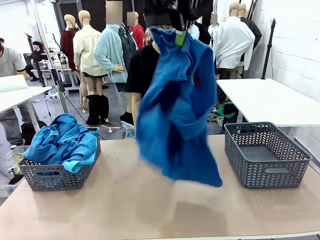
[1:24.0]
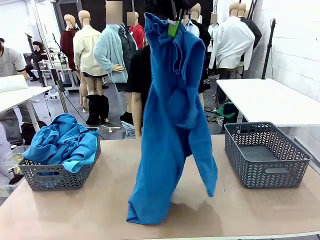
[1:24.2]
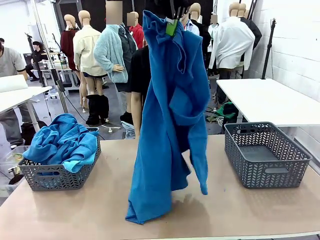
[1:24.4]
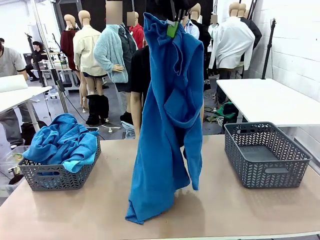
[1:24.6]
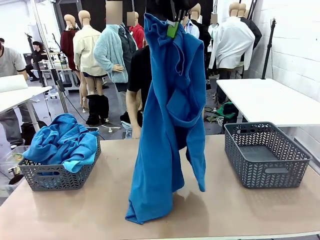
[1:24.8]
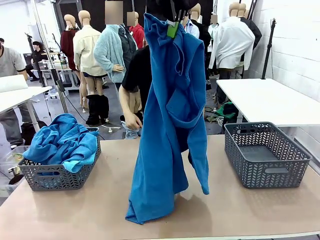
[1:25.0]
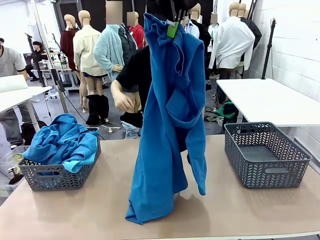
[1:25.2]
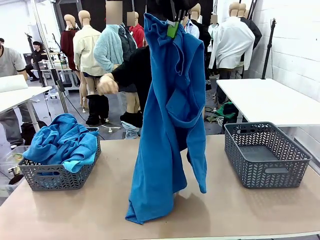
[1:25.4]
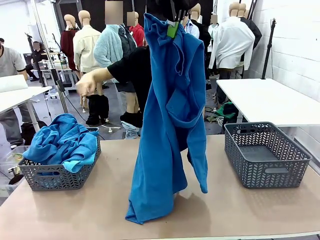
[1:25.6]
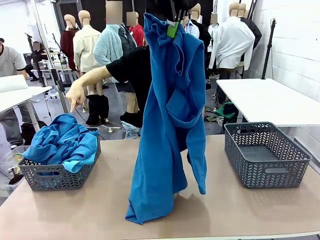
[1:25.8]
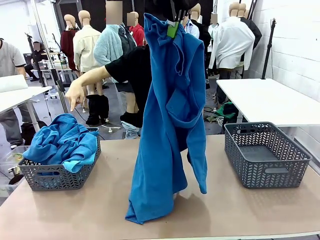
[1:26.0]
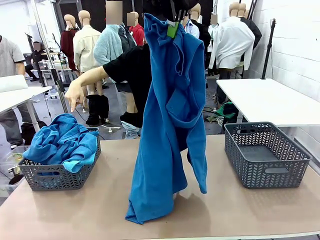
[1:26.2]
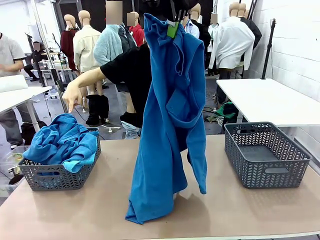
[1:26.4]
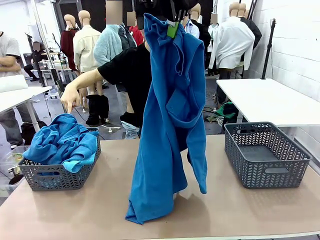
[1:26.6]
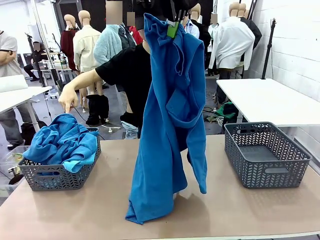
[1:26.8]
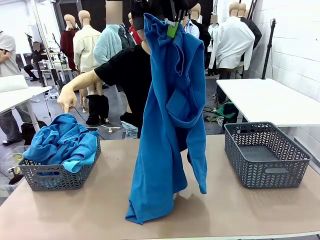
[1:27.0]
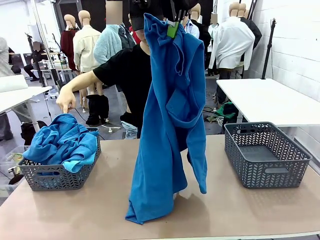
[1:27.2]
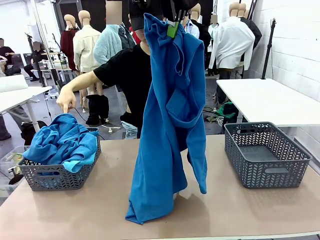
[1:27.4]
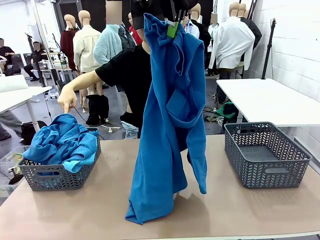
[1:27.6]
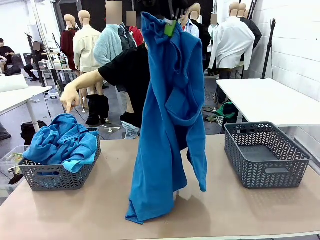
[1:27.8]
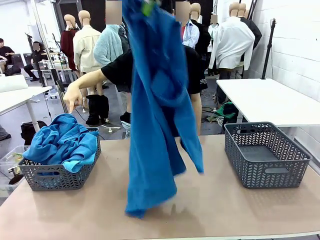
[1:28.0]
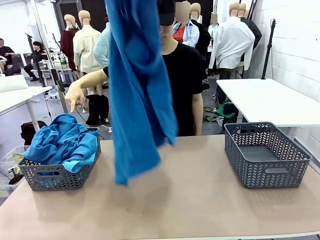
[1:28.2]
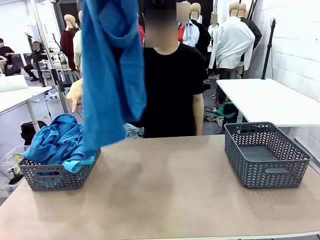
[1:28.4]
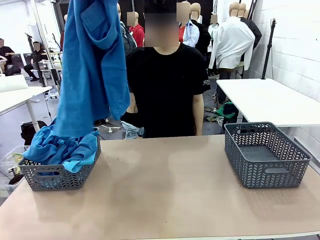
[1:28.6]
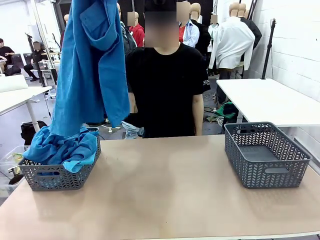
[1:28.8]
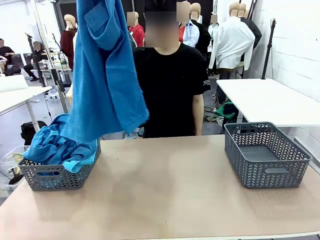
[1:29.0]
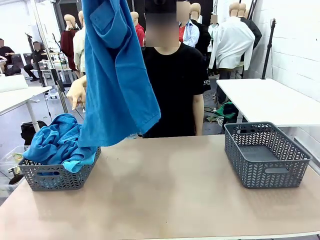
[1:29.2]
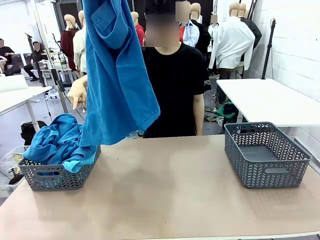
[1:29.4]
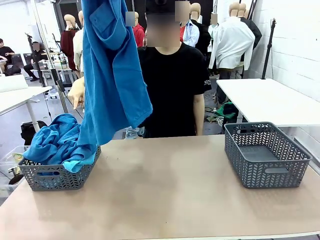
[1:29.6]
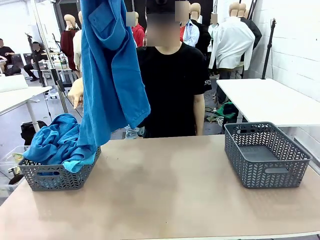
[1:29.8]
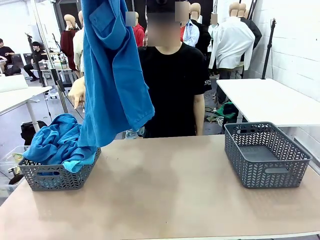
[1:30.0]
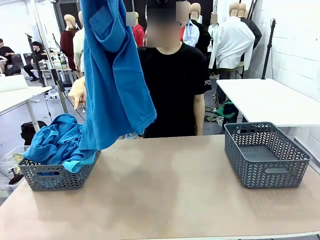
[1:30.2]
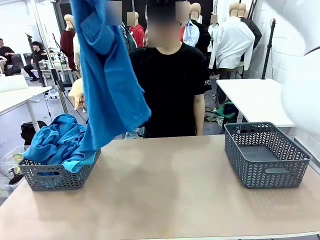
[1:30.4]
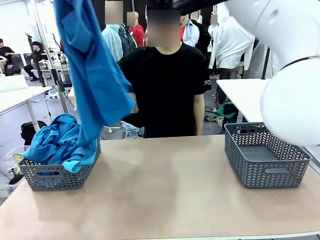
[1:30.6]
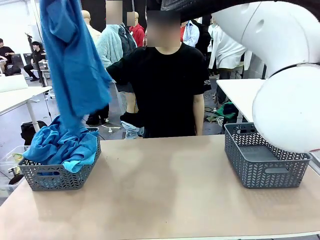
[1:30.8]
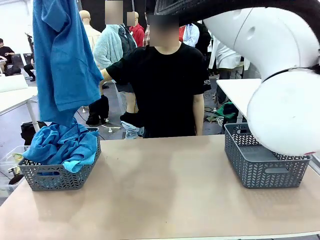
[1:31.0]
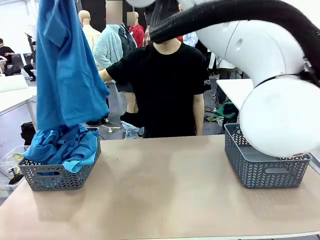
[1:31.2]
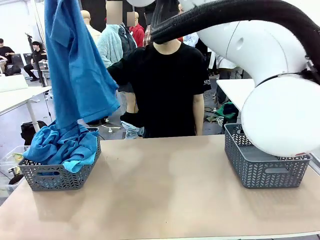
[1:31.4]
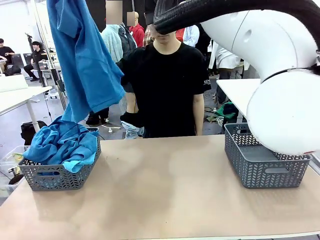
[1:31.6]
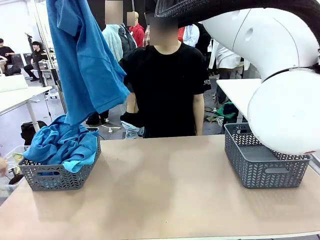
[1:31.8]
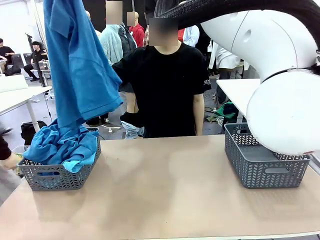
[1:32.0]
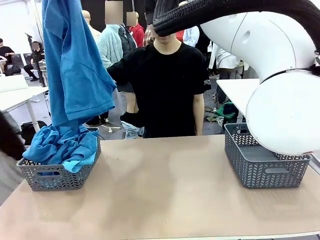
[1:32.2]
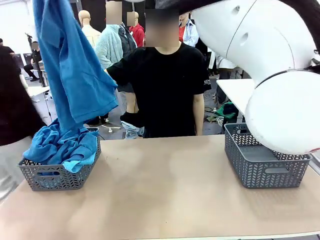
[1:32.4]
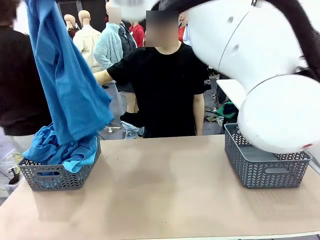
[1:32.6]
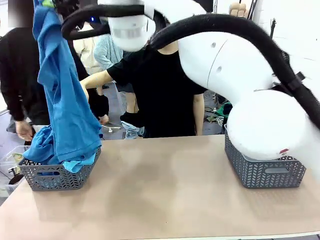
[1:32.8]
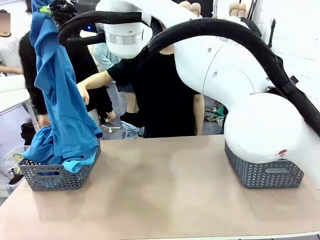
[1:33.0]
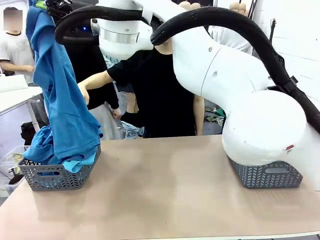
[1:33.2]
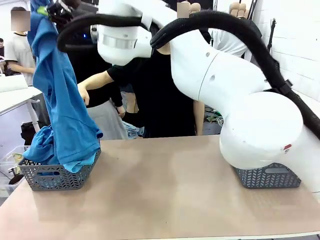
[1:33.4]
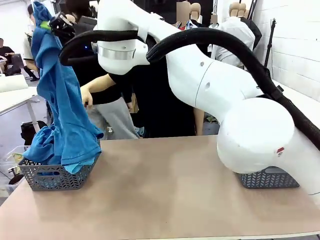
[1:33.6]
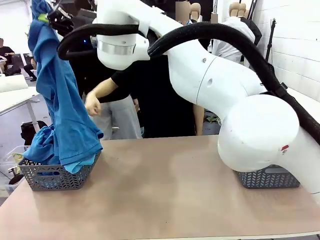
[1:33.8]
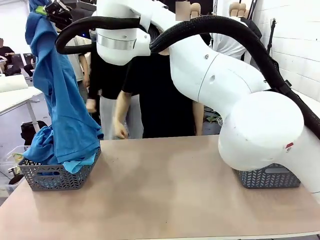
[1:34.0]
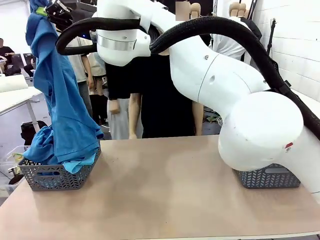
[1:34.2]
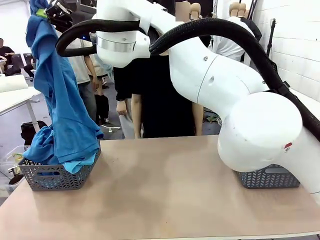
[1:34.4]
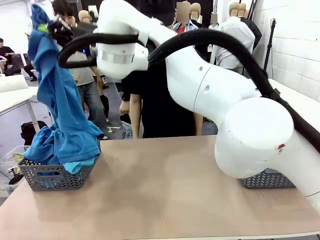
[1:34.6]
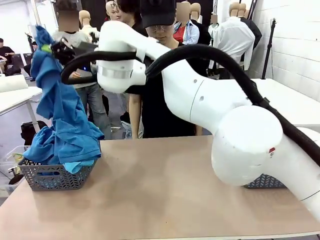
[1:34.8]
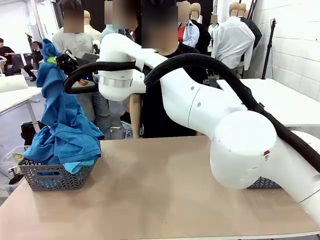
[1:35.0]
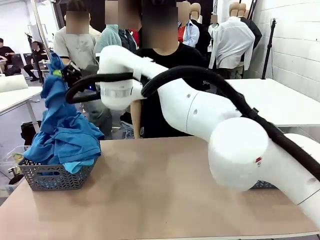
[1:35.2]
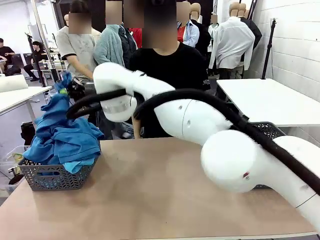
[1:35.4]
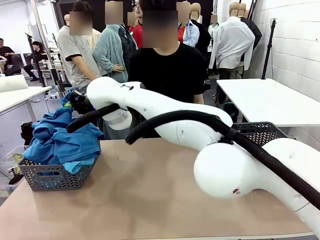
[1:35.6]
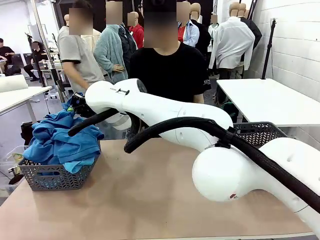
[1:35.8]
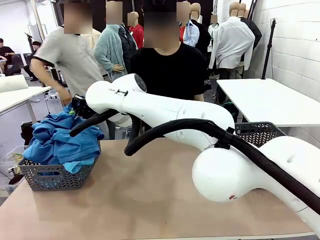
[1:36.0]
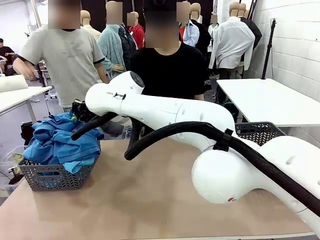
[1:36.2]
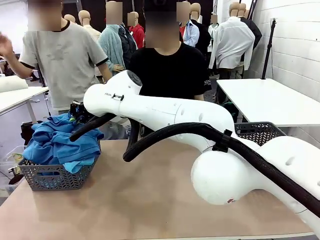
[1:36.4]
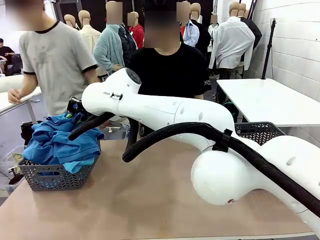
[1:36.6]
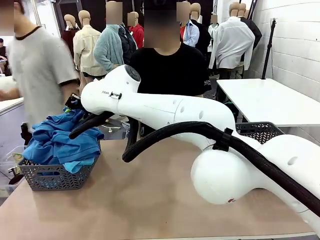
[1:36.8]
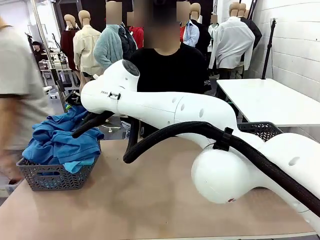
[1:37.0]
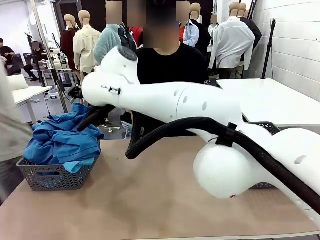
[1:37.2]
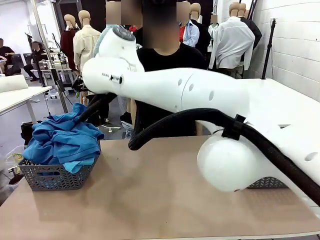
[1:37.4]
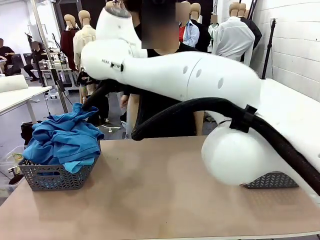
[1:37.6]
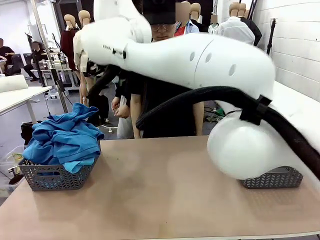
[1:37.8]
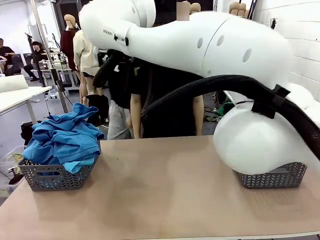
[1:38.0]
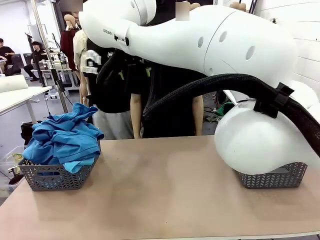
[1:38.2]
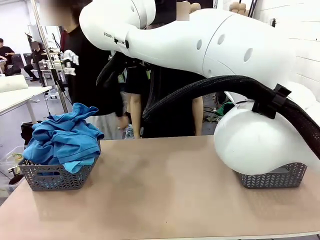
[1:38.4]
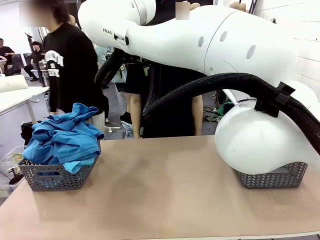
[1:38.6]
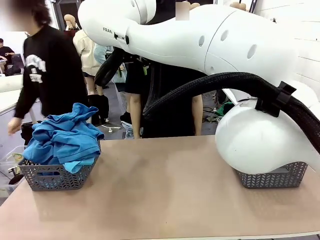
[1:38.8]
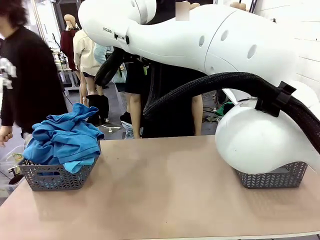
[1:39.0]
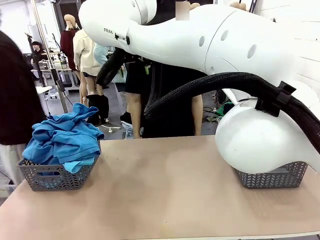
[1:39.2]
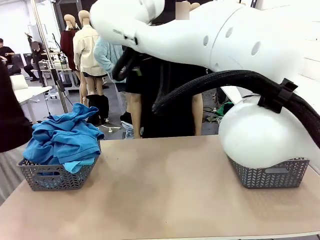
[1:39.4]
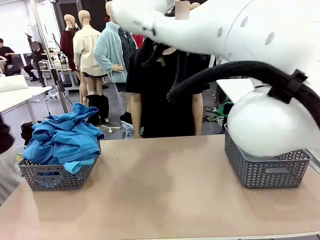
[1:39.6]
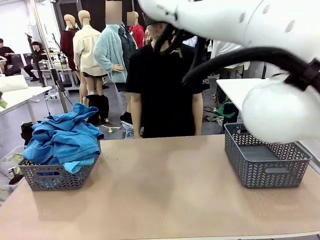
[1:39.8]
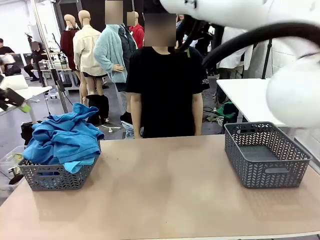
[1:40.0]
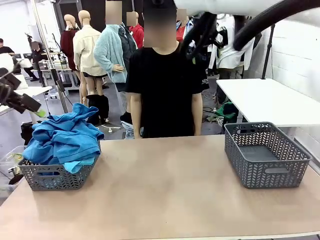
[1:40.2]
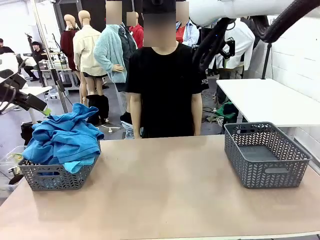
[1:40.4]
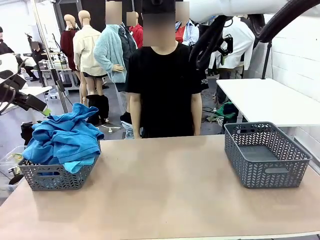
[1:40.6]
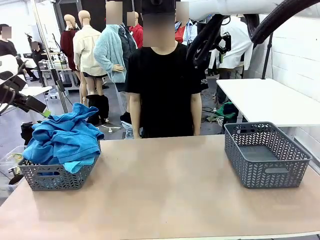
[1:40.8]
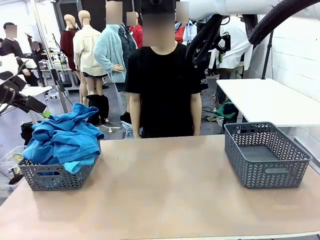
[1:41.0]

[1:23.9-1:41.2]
Task: Sort the tops and bottoms.
Robot: Sort the clothes according to human instructions.

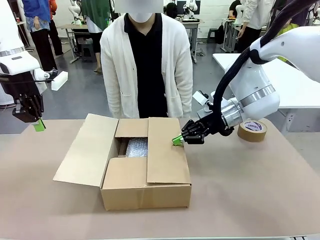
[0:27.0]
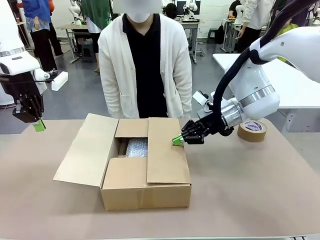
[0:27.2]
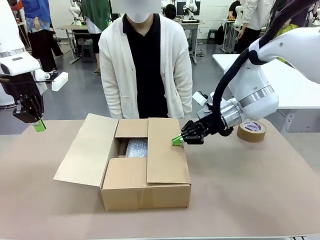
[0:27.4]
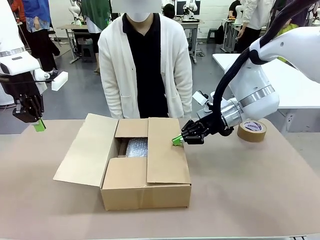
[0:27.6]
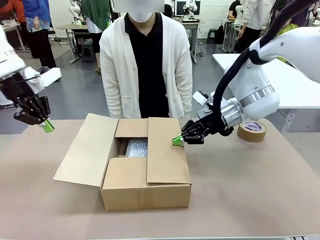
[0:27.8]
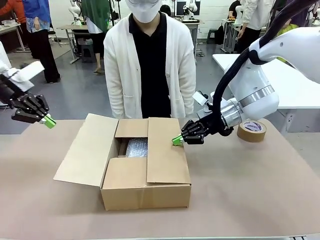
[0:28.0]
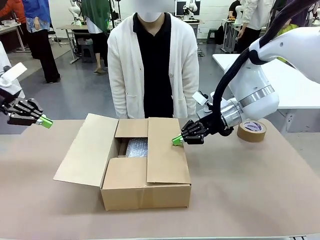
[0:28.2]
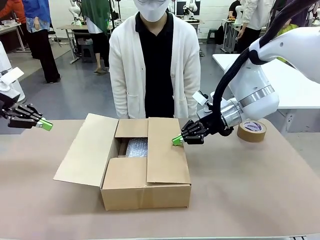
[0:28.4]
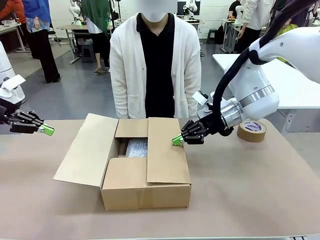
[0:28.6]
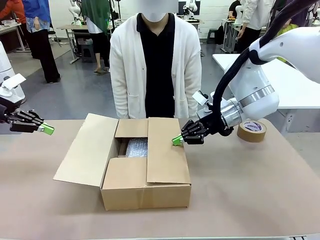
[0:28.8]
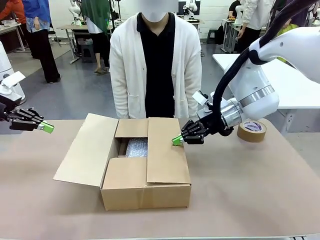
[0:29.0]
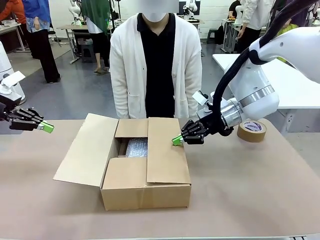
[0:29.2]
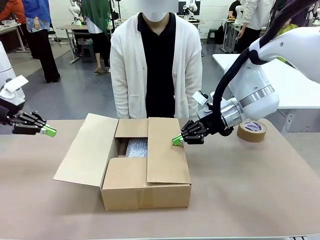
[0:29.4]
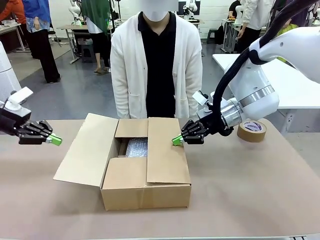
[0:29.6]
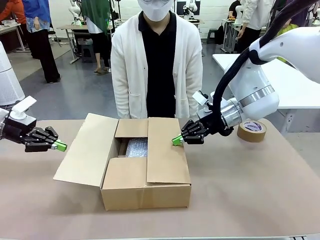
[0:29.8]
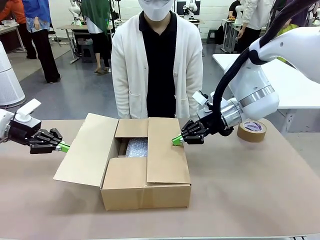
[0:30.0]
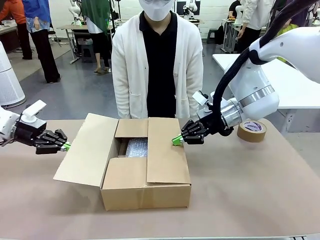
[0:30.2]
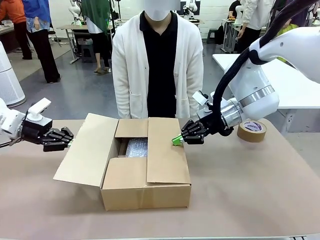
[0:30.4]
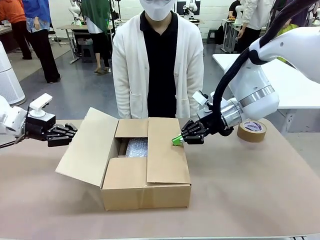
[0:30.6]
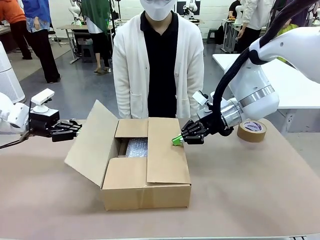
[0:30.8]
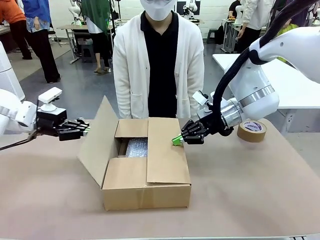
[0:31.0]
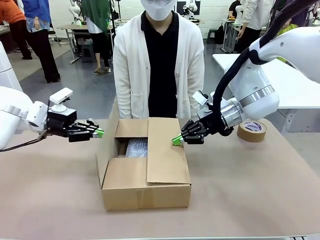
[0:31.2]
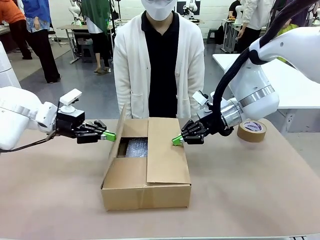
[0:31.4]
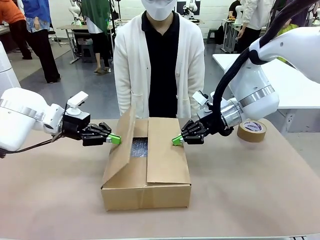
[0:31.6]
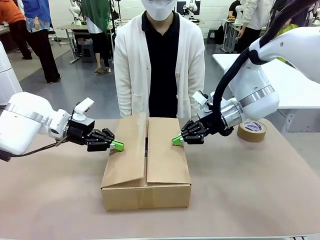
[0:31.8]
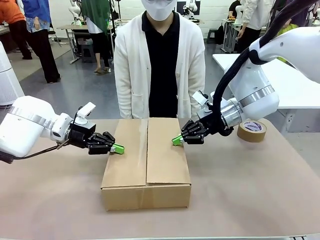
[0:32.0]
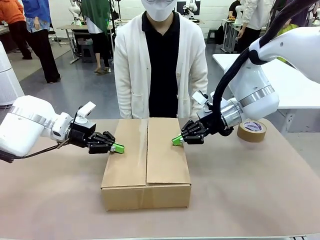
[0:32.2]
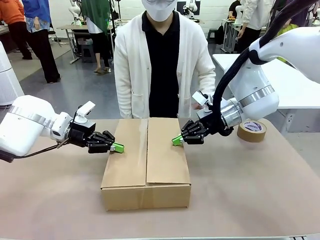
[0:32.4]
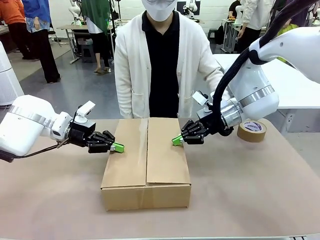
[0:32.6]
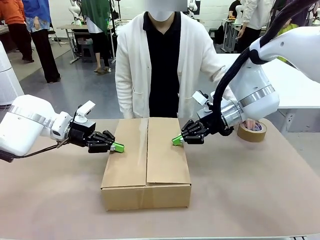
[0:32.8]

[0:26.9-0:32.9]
Task: Wrap the clocks to prevent damage.
Robot: Push the left (or right) flap of the Package Box to close it.
